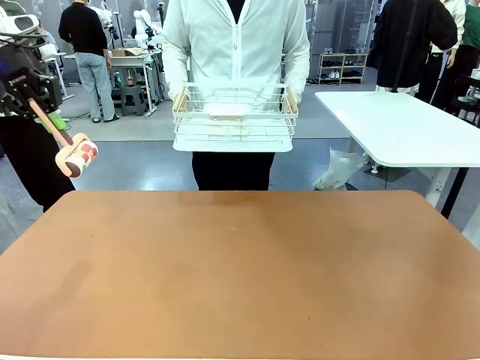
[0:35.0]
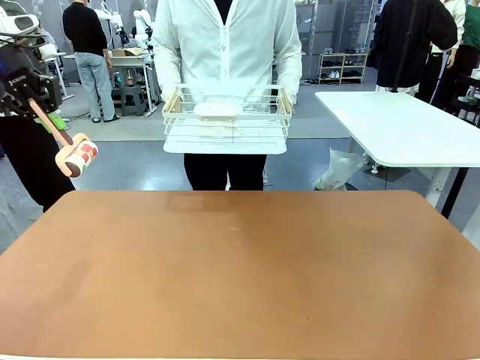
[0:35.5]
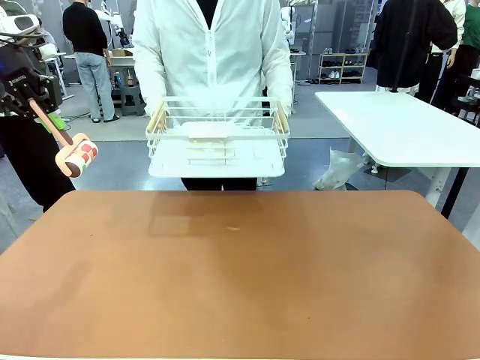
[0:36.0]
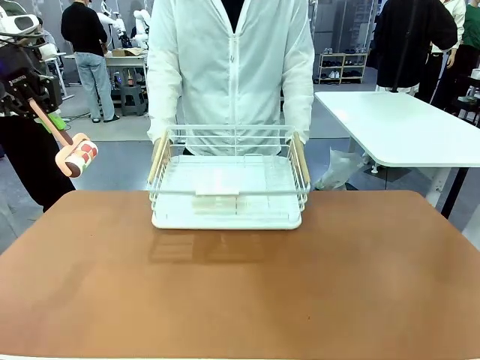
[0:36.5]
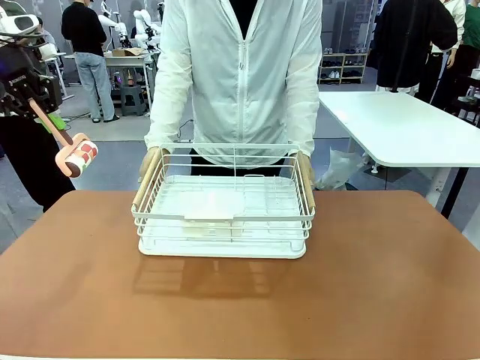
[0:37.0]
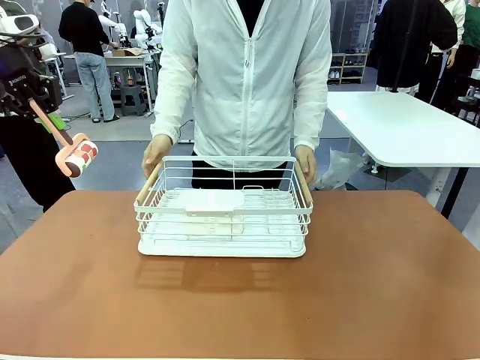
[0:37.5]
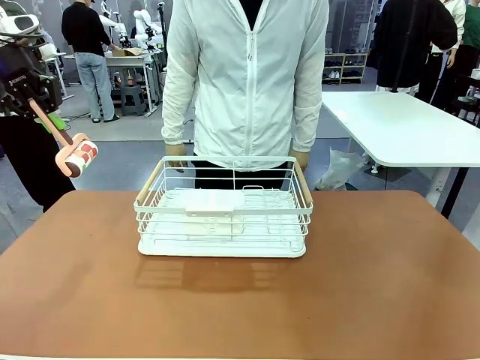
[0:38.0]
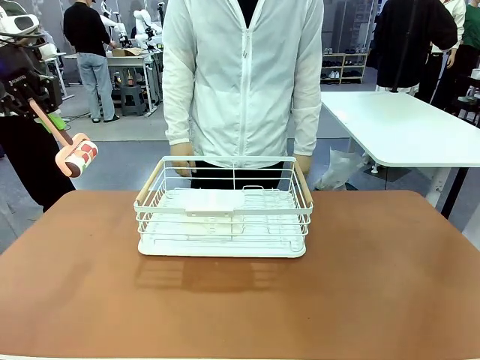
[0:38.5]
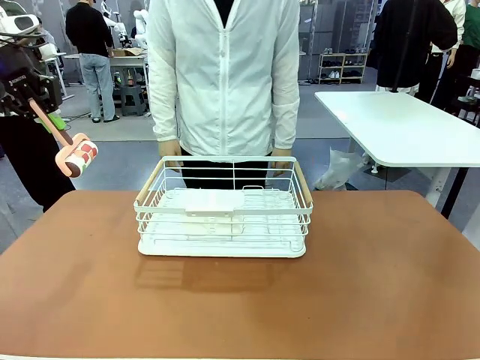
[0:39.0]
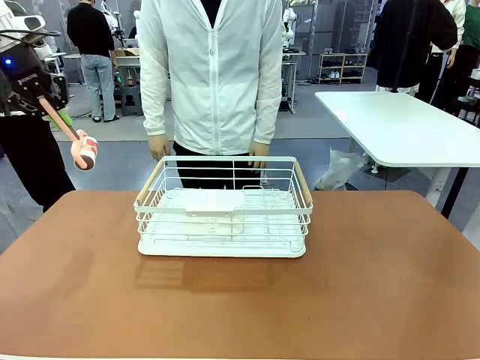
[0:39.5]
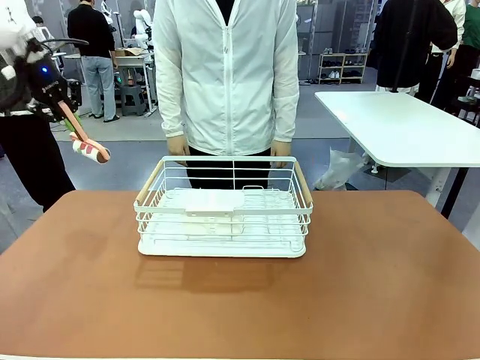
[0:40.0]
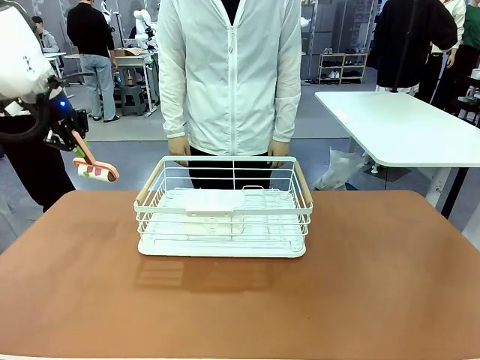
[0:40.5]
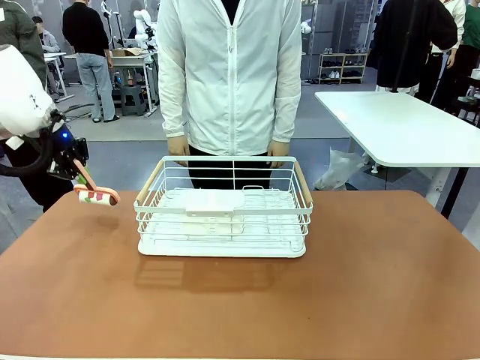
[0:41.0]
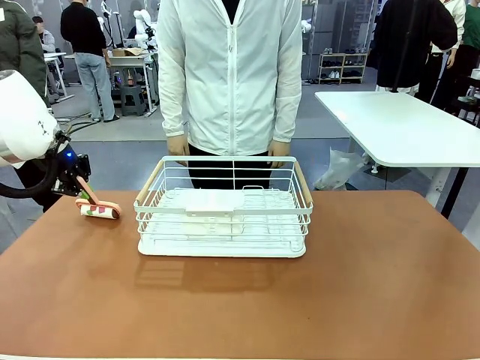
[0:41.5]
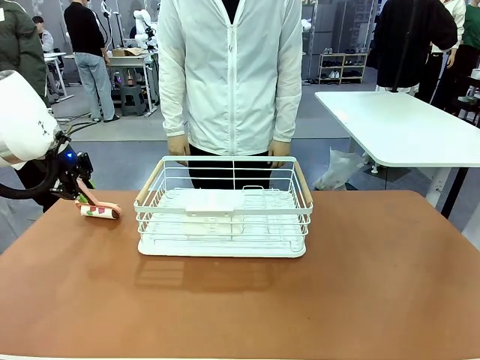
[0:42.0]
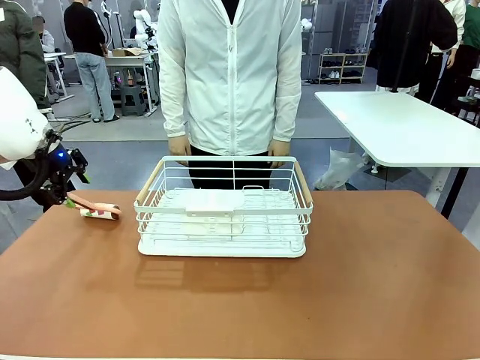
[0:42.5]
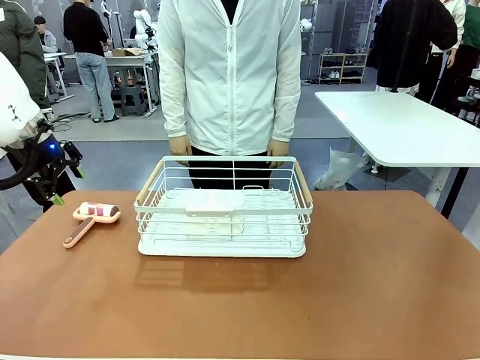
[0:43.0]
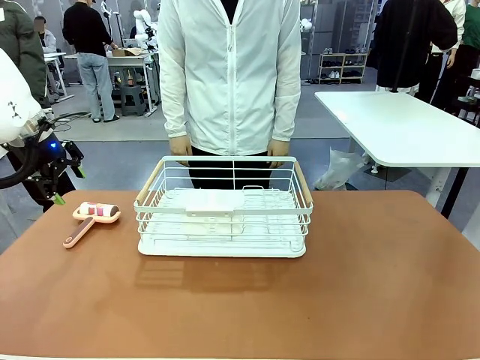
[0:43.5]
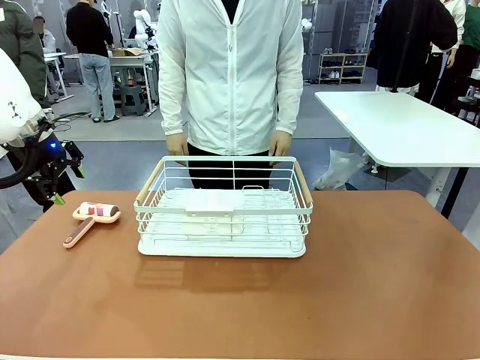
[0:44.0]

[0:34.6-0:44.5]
Task: Clean the table.
Robot: Place the Lint Roller down when the Dish drying rack is positioned in the middle of the table.

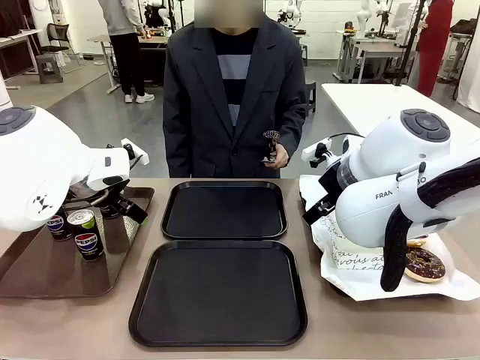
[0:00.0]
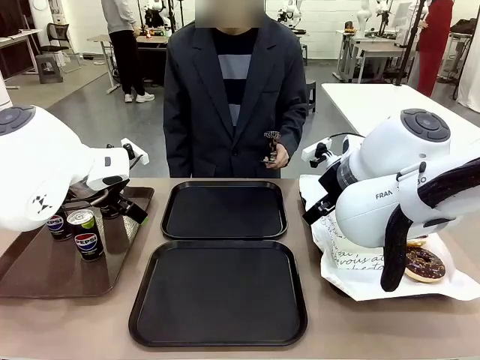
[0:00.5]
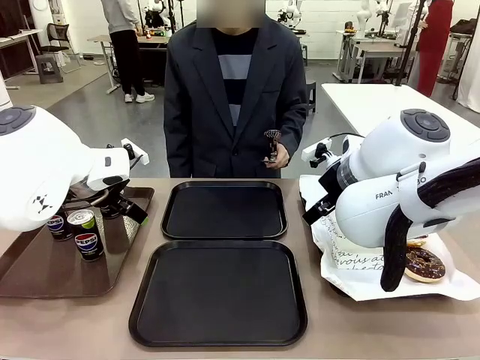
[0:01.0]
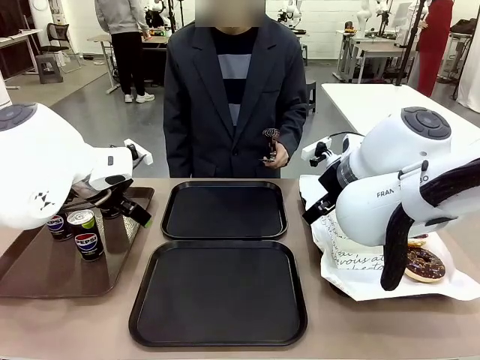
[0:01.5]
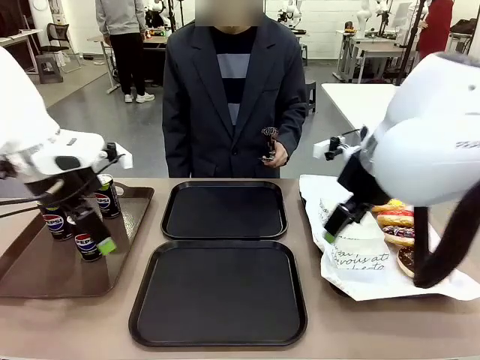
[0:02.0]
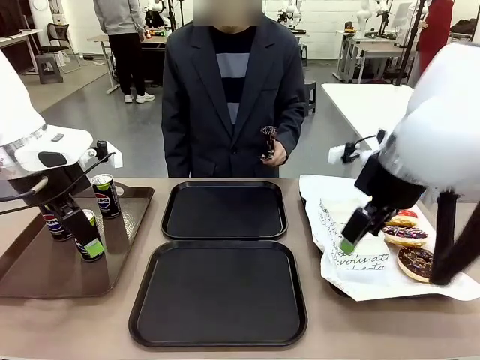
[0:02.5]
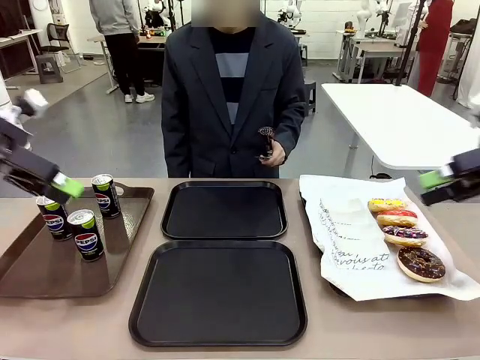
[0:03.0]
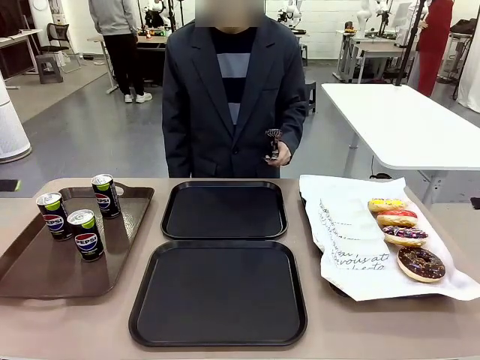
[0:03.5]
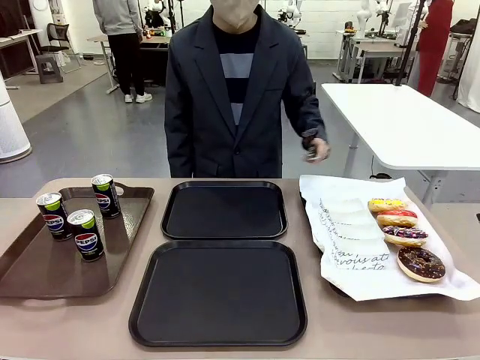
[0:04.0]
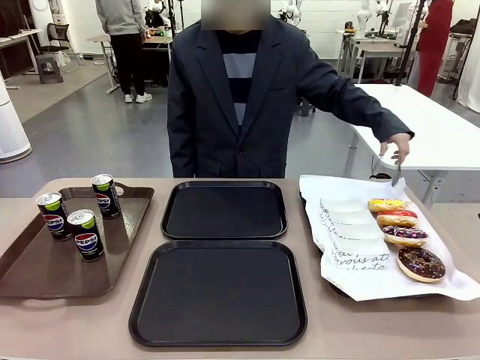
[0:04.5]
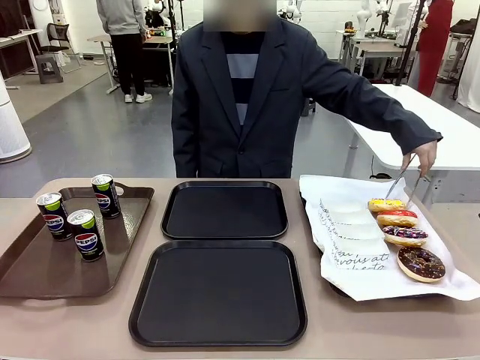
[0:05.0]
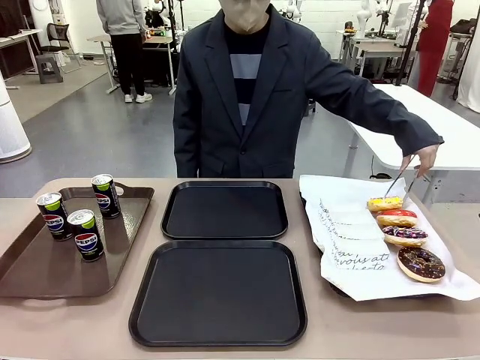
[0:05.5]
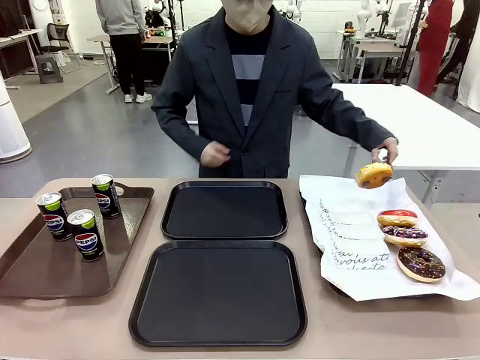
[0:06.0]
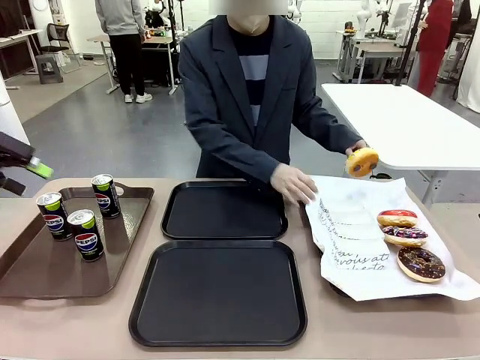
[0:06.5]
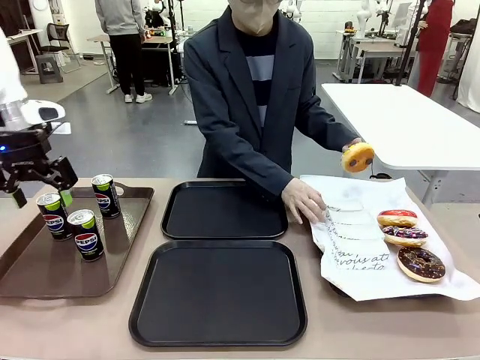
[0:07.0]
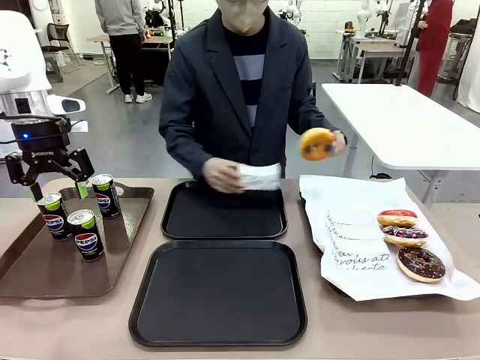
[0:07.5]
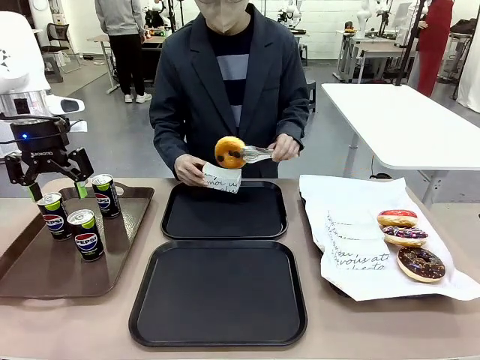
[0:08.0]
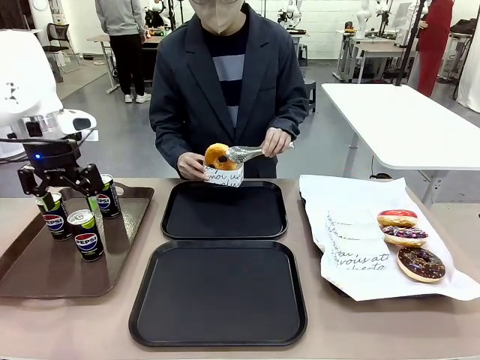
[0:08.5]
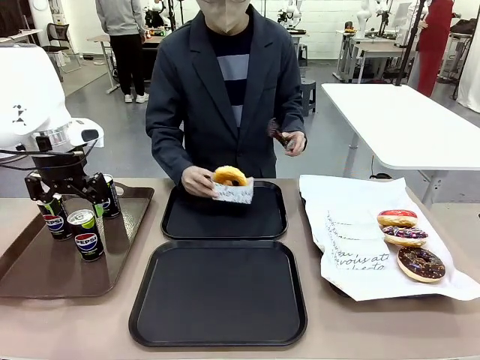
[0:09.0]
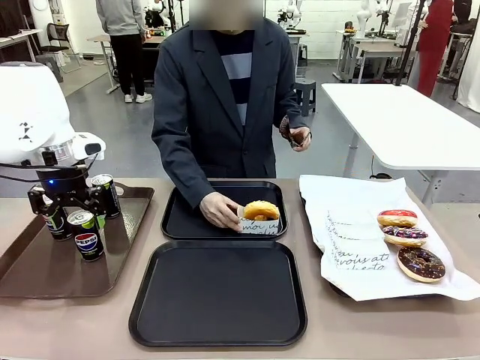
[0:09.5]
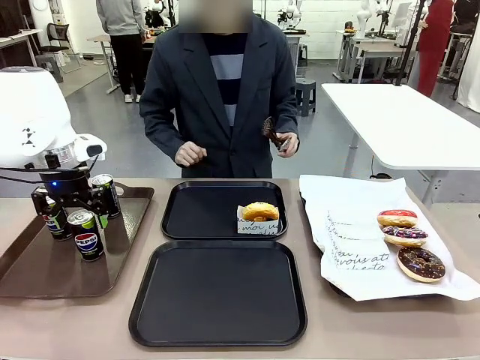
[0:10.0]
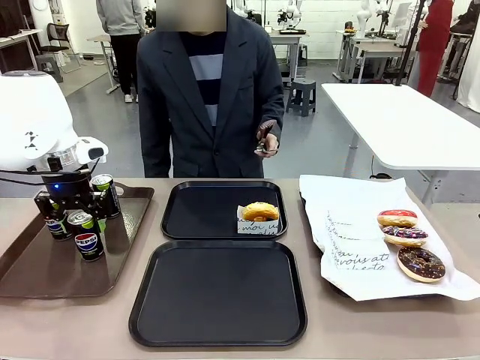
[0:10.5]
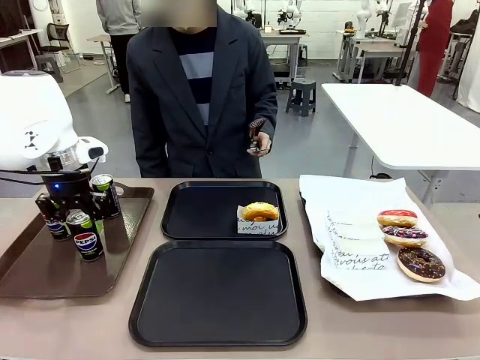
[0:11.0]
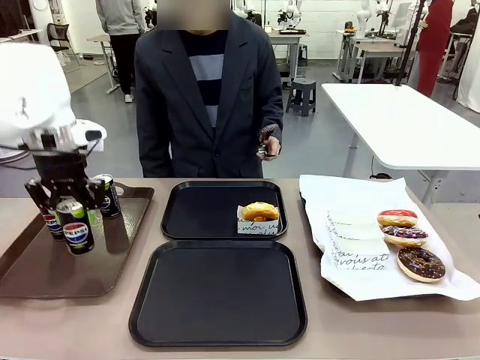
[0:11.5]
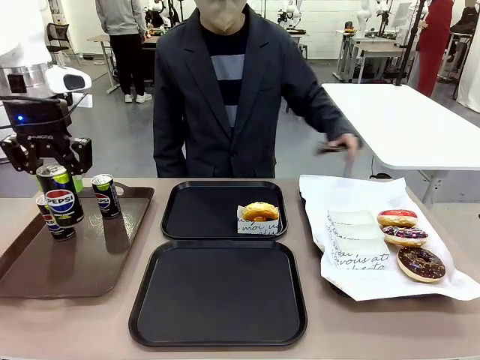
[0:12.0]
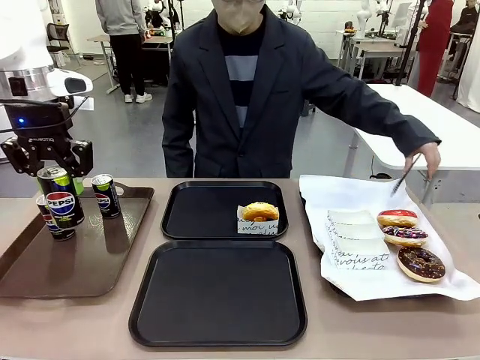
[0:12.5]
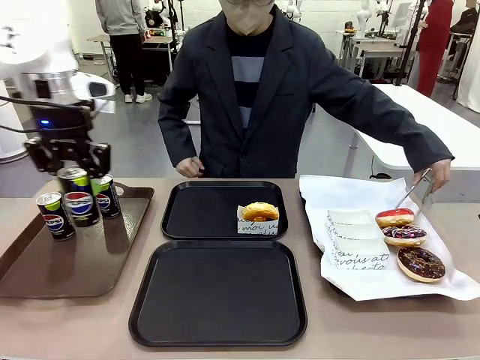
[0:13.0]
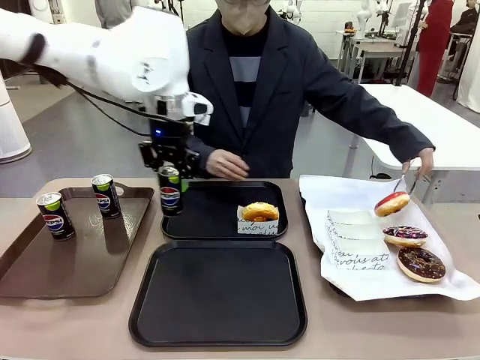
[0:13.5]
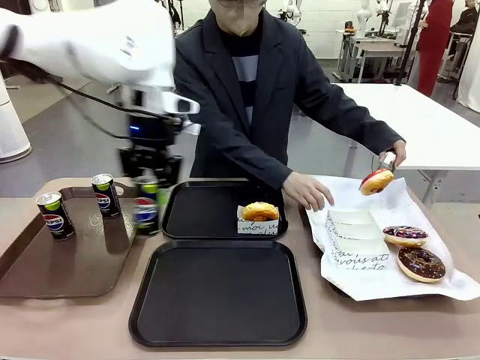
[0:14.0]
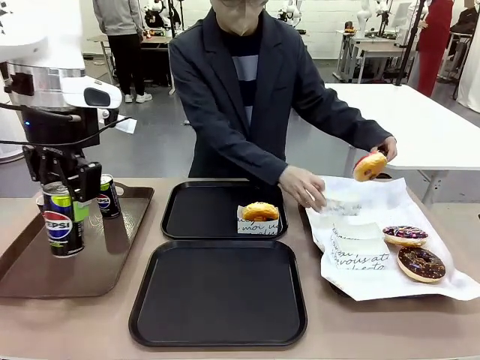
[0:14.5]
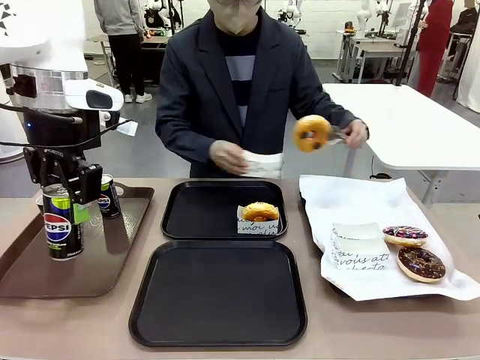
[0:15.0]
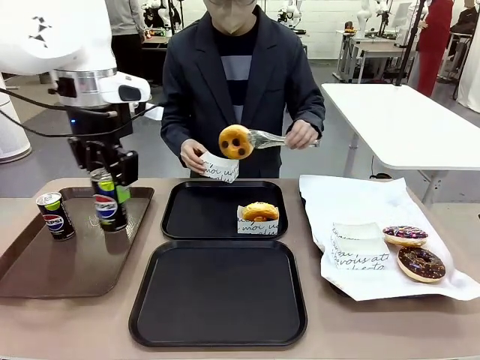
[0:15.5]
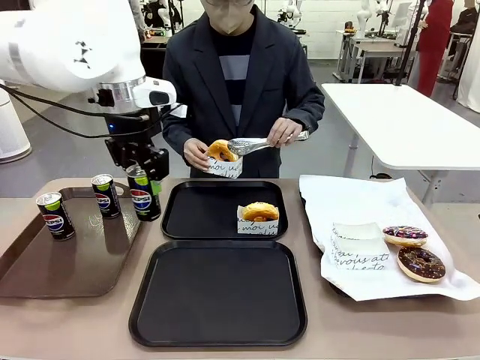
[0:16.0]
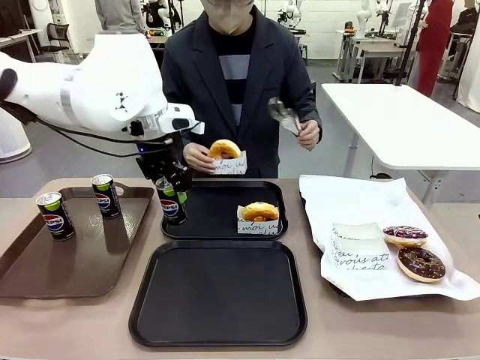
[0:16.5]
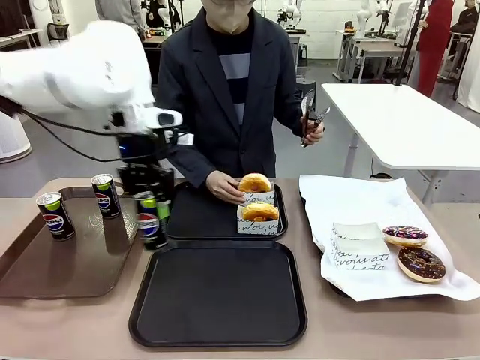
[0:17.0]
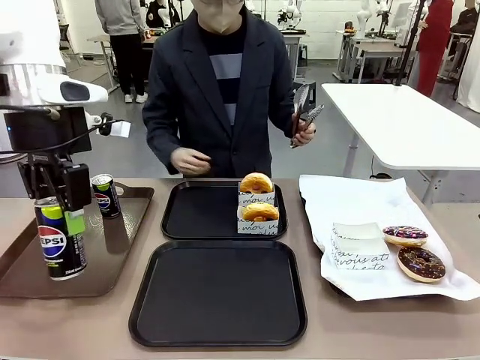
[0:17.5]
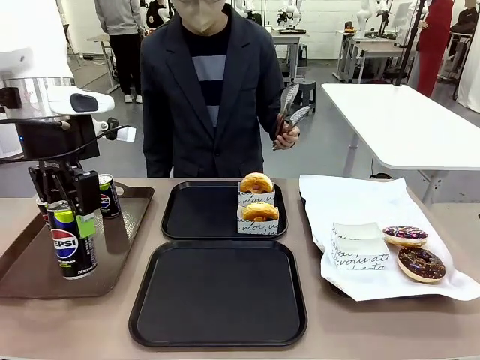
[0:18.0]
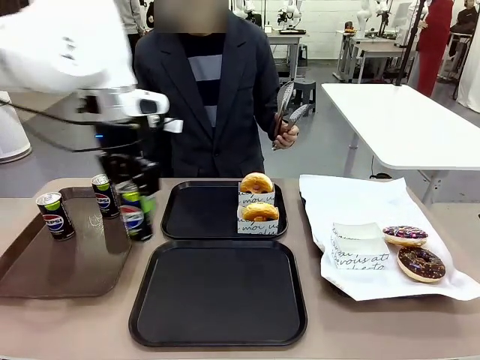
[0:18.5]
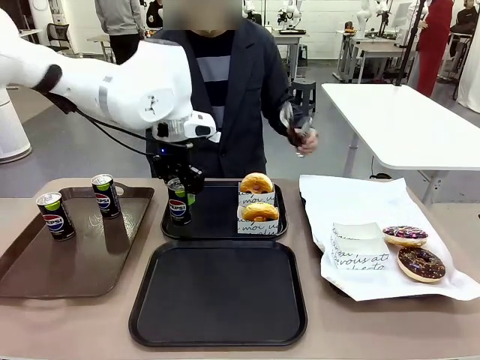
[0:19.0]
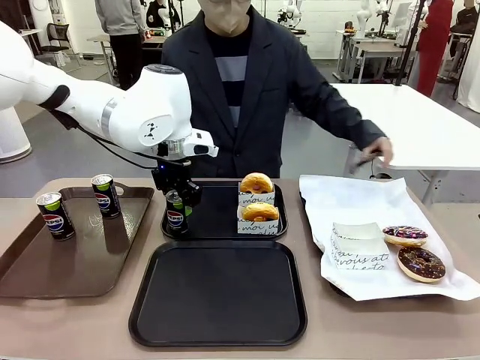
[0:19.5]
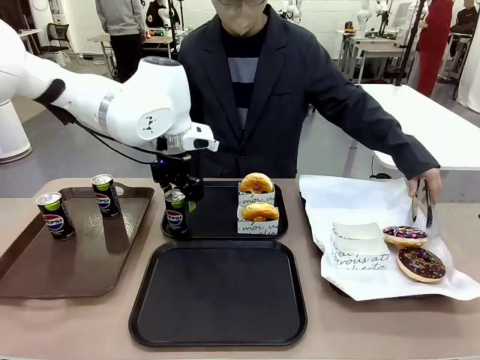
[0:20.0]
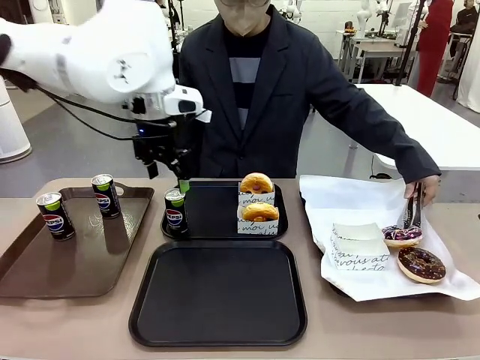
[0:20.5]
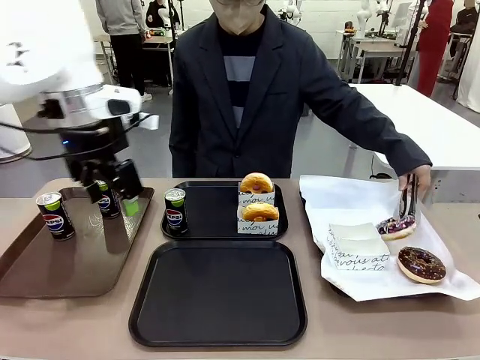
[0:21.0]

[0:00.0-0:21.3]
Task: Set up donuts and drinks on trays.
Robot: Pick up one Pepsi coke and place it on the Flat Tray.
Person: Pick up one donut with tongs, place it in the donut tray, and then place the donut tray on the flat tray.
